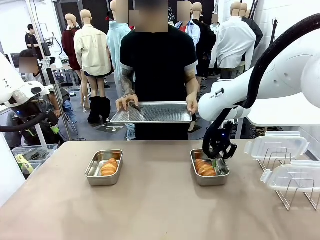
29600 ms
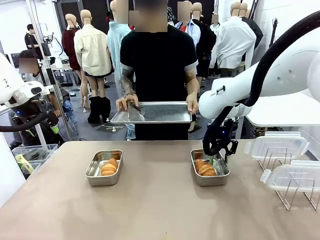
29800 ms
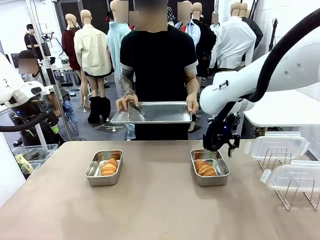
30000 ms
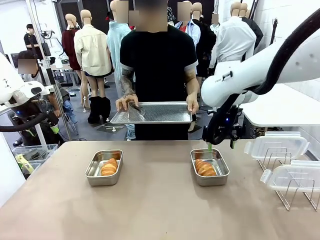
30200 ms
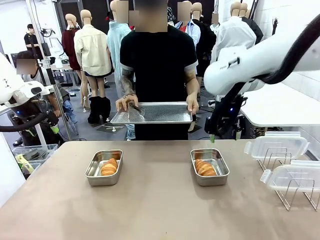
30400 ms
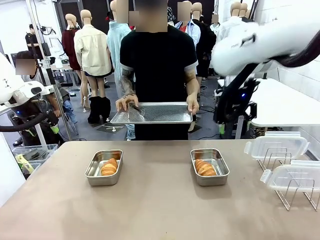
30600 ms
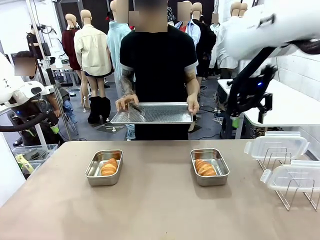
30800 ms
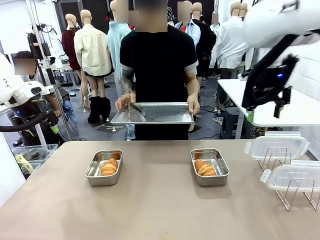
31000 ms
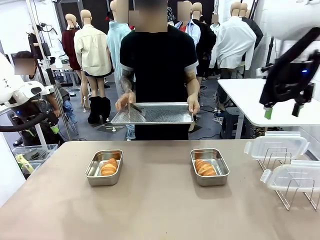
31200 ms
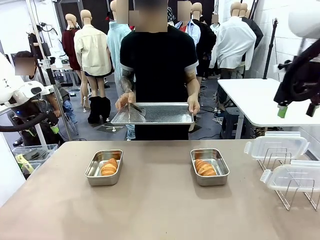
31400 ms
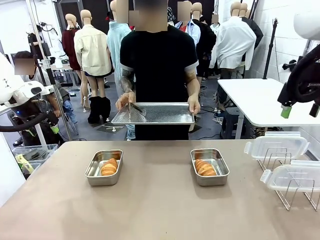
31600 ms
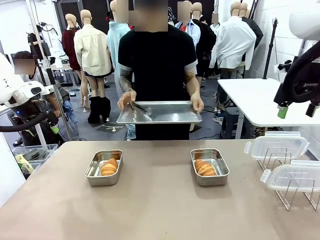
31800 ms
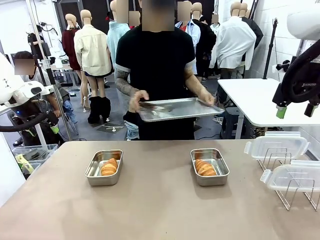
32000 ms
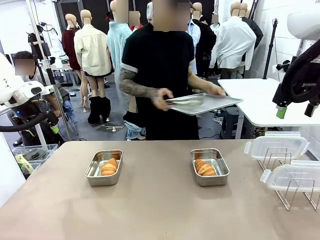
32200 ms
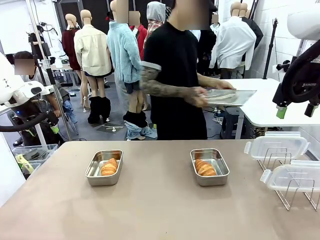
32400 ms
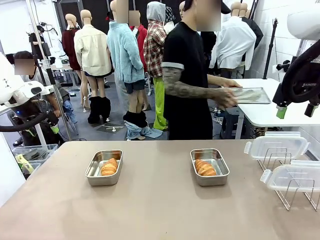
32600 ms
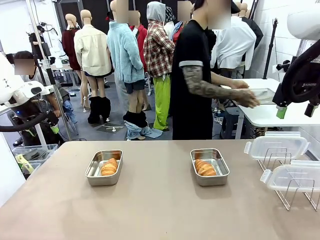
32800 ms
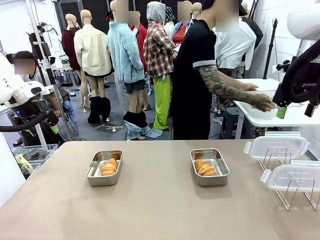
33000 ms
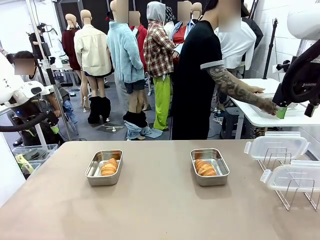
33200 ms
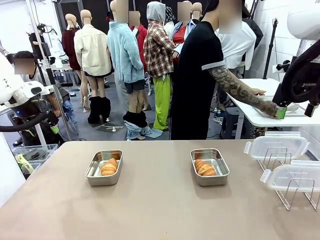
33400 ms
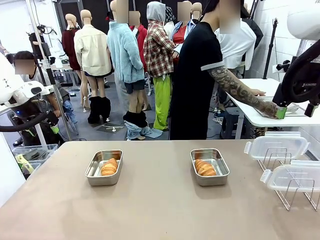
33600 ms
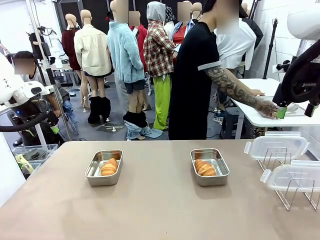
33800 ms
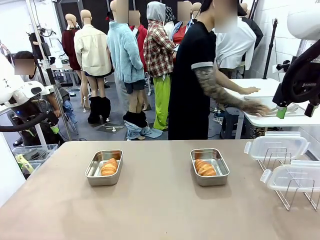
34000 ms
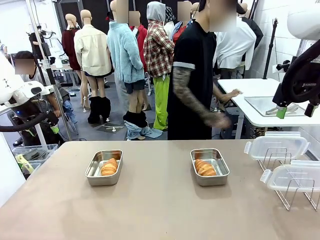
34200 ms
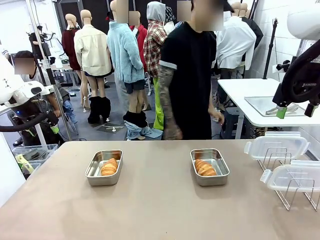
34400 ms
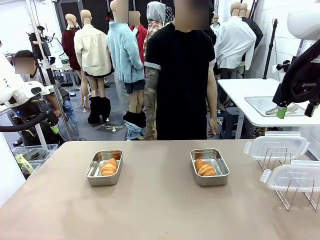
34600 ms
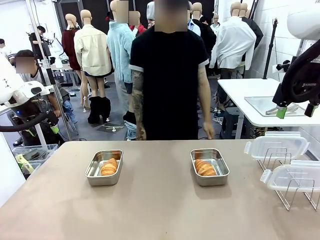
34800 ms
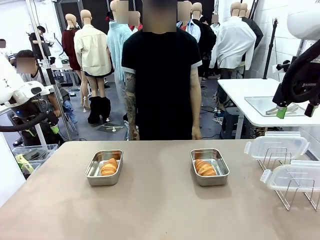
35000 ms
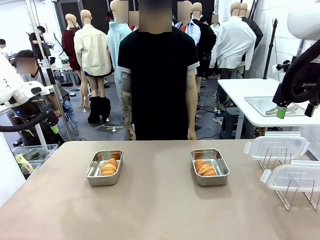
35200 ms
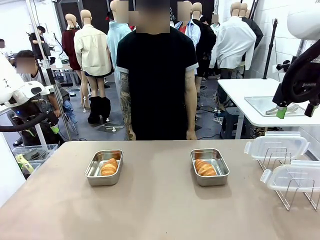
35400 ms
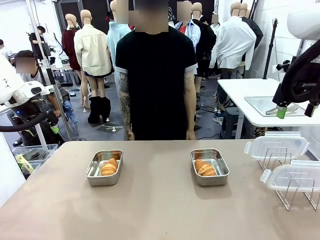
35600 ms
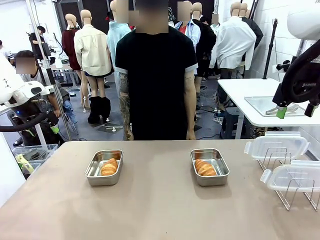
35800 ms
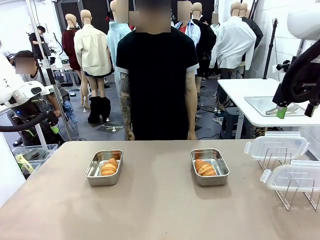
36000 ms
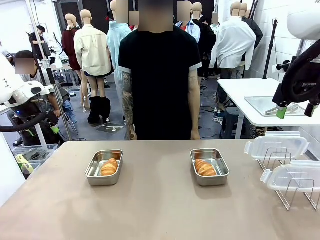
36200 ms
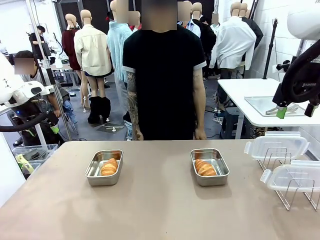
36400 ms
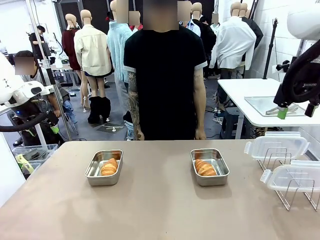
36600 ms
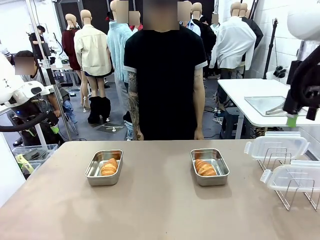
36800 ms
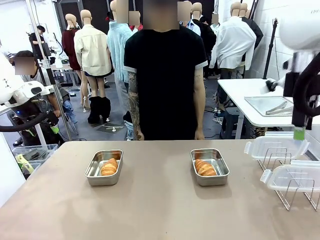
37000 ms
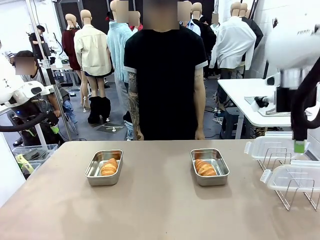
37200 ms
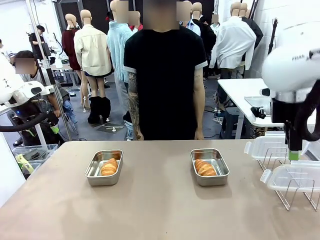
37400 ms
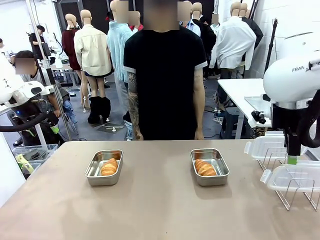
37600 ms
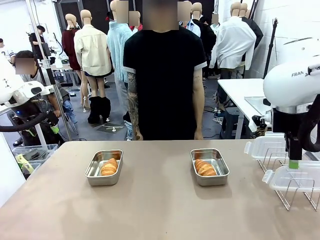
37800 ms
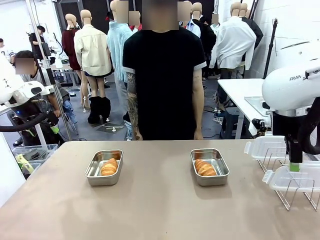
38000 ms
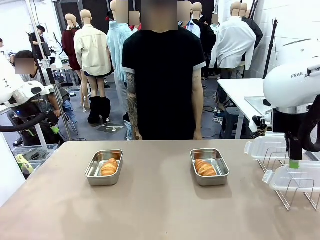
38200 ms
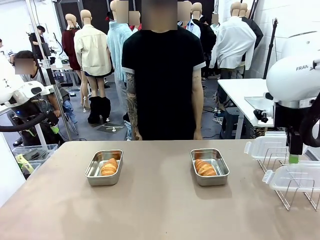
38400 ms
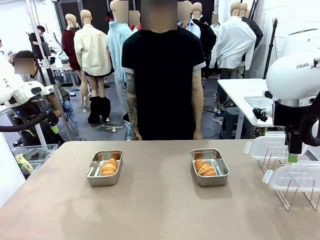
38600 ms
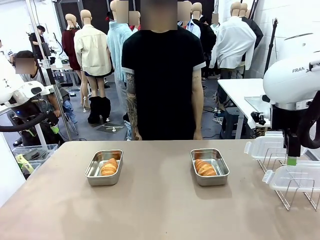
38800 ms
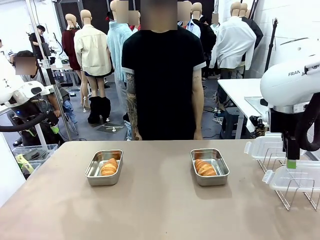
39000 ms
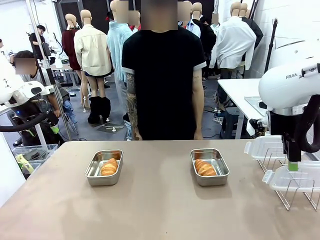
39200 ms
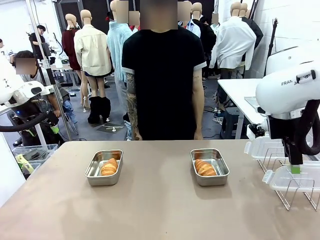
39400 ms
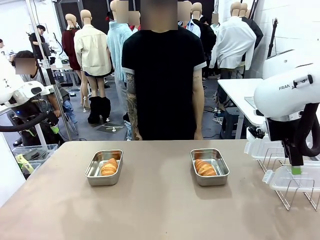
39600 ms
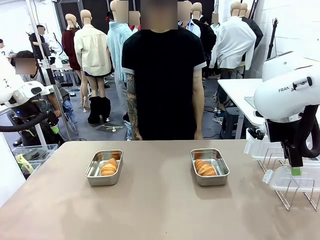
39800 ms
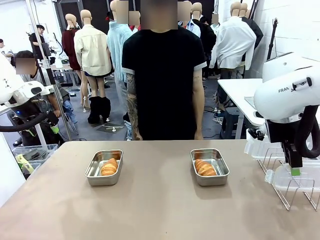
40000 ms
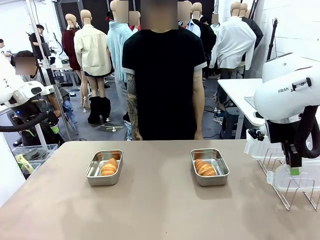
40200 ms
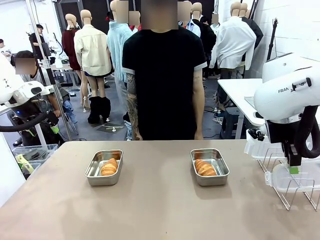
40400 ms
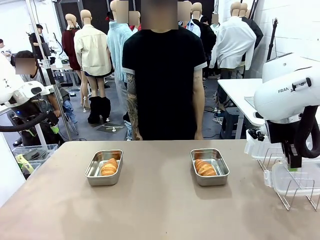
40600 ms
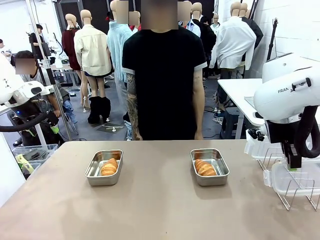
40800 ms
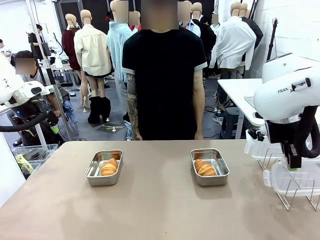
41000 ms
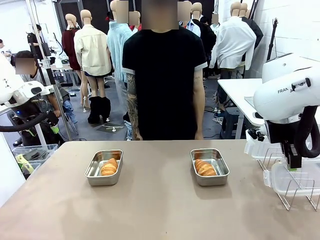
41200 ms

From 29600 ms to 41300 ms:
Task: Place the bread in airtight containers.
Robot: Pick up one Airtight Container lid and hand it to the human.
Person: Place Baking Sheet on the Human's Table. Grip Airtight Container lid that robot is handing.

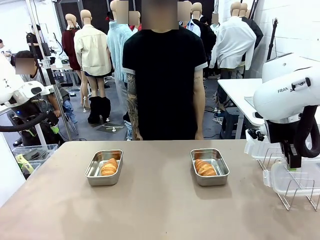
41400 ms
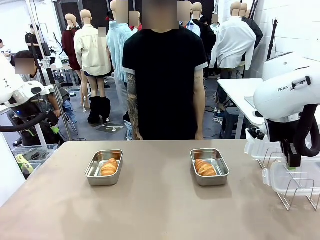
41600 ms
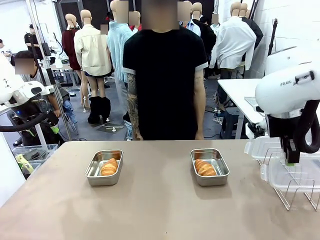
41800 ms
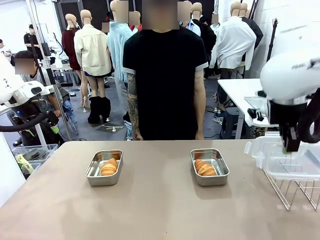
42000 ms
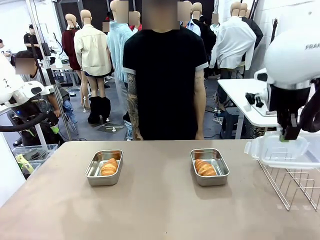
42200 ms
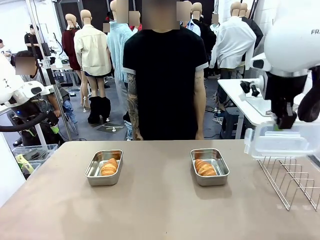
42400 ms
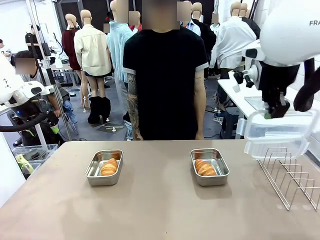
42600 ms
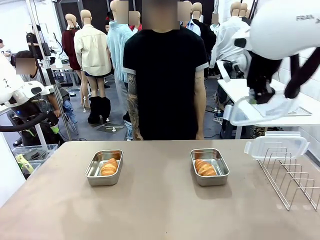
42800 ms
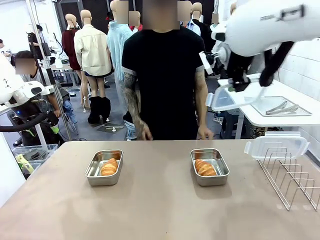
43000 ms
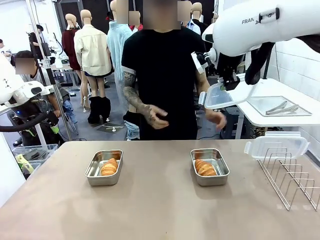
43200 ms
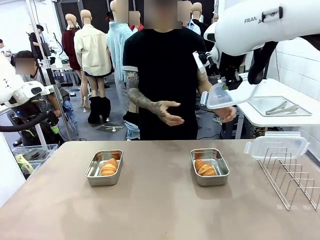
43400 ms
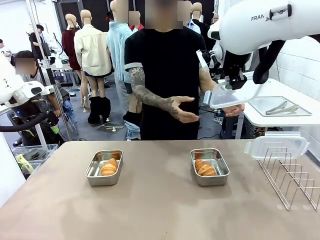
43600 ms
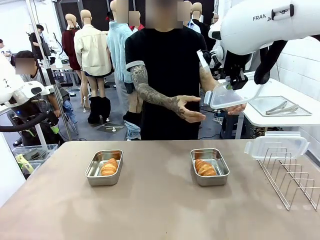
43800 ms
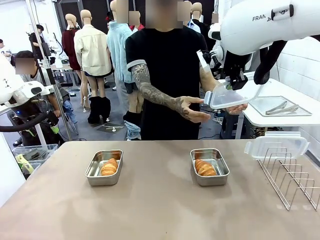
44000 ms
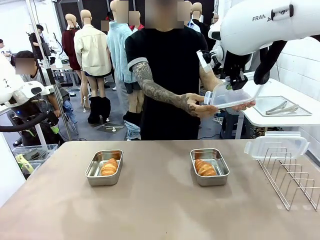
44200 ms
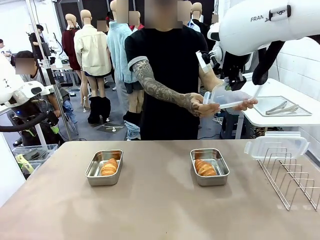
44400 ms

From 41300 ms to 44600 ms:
Robot: Release when the human grabs the Airtight Container lid.
